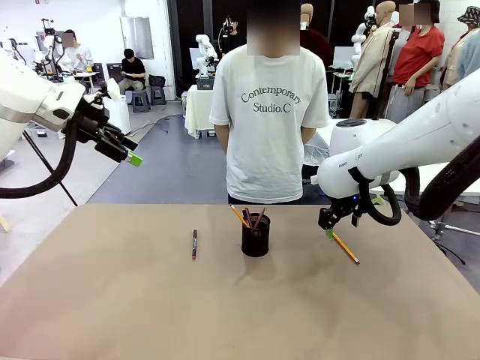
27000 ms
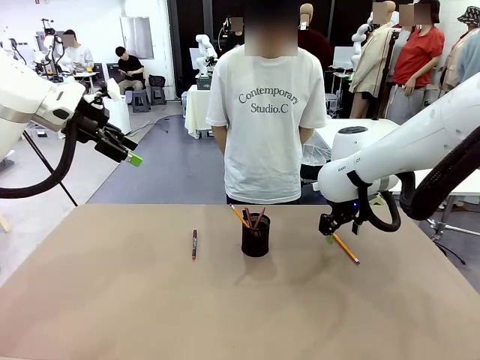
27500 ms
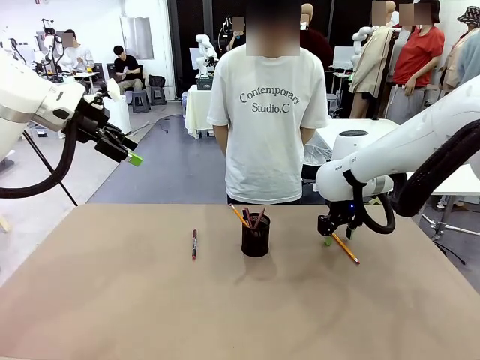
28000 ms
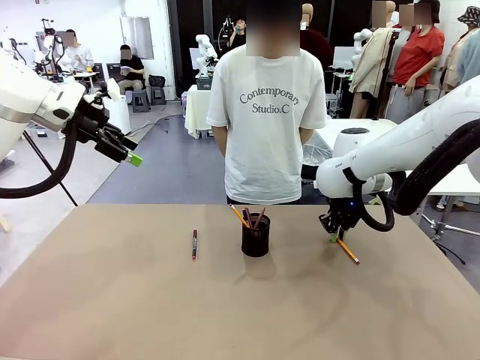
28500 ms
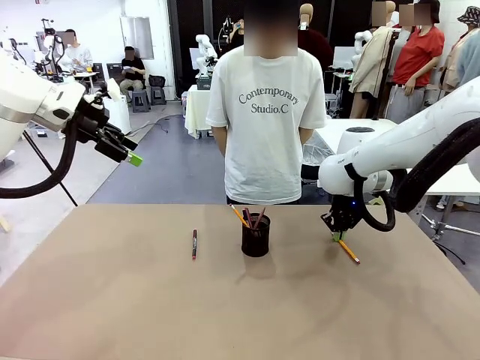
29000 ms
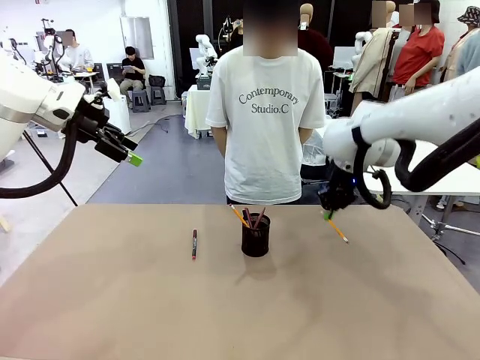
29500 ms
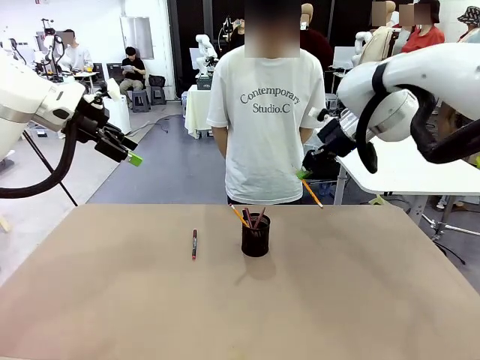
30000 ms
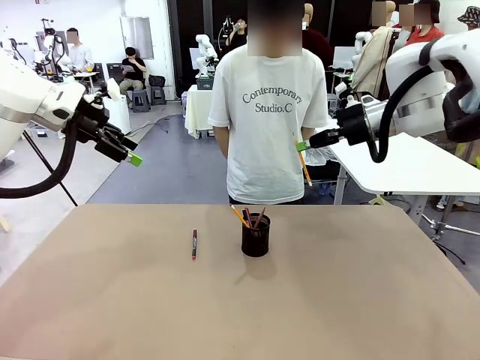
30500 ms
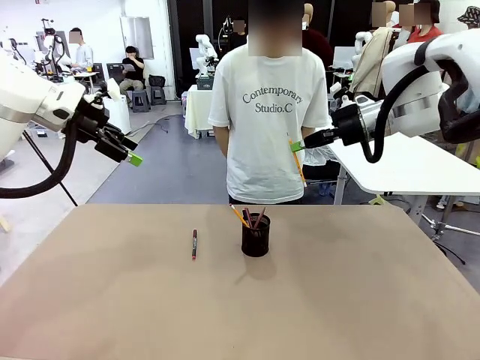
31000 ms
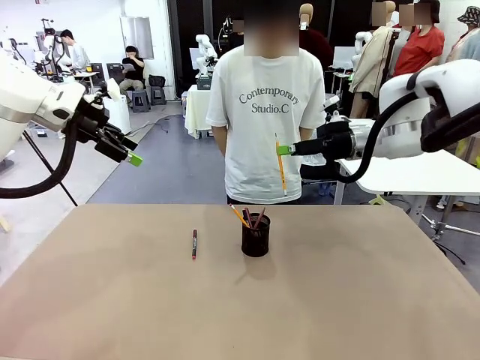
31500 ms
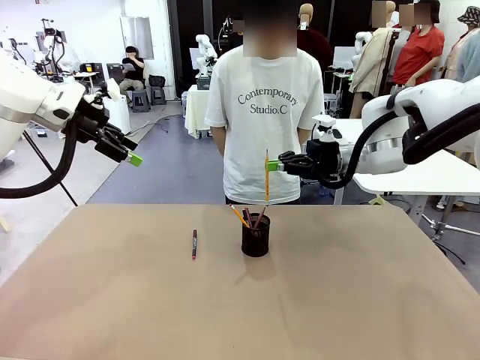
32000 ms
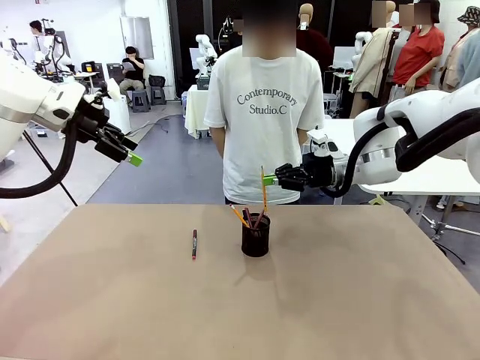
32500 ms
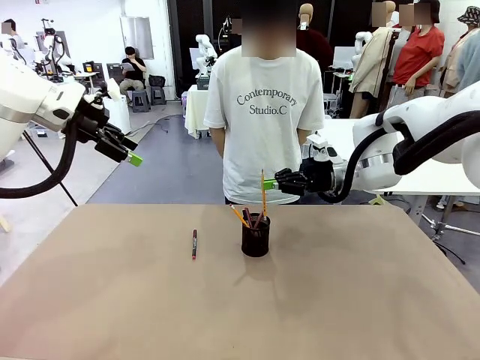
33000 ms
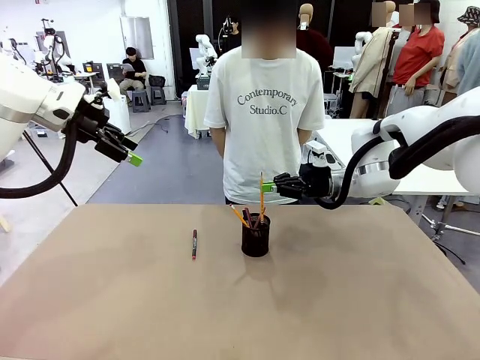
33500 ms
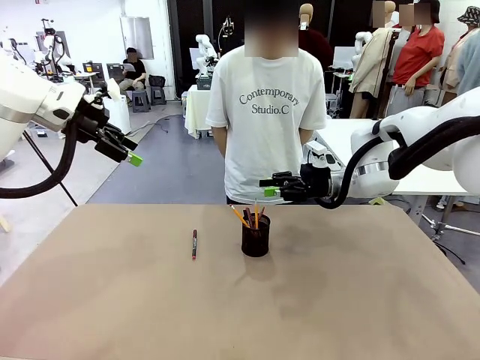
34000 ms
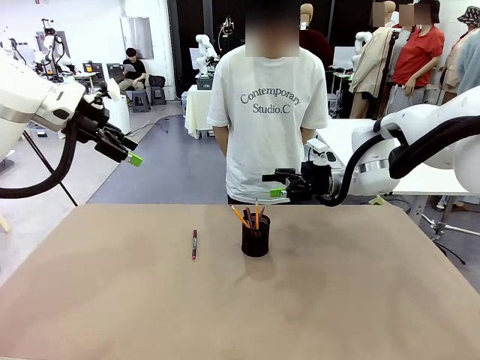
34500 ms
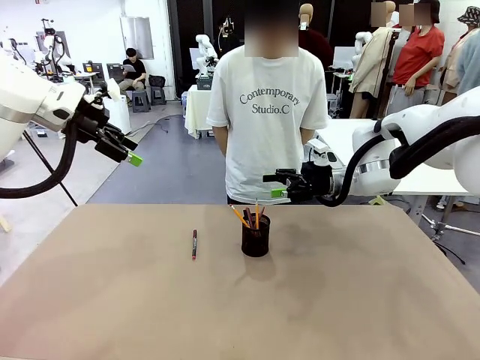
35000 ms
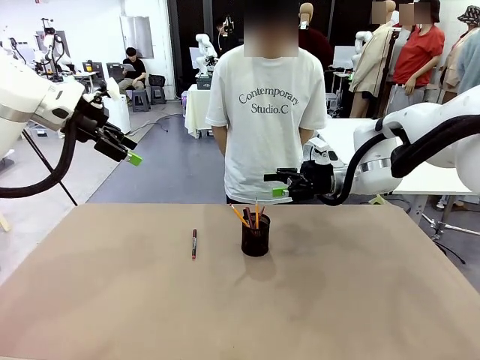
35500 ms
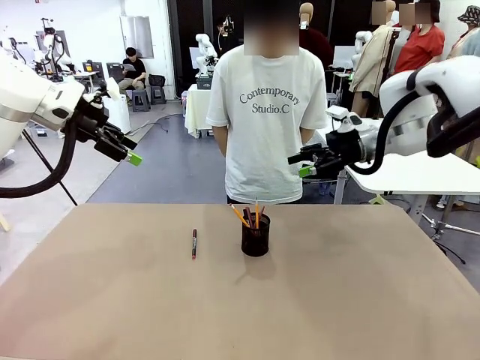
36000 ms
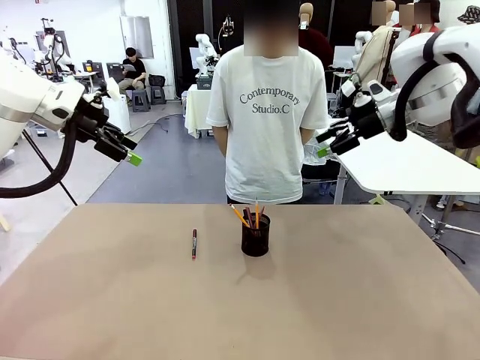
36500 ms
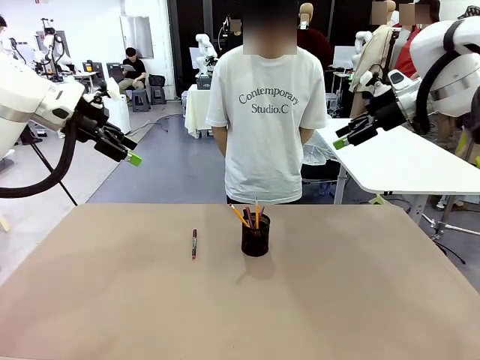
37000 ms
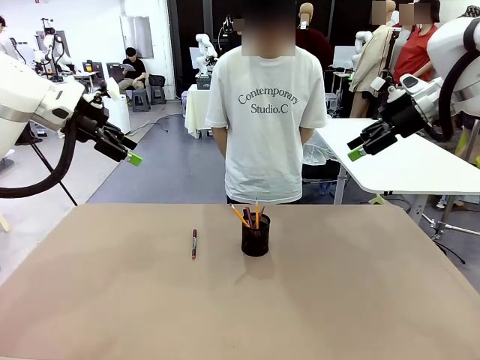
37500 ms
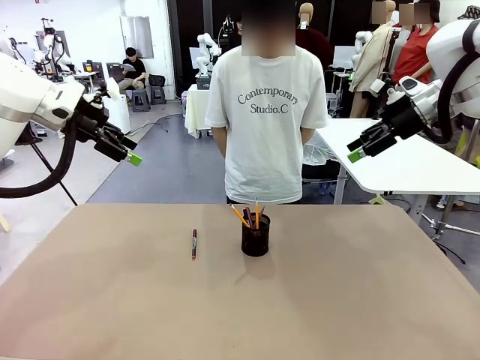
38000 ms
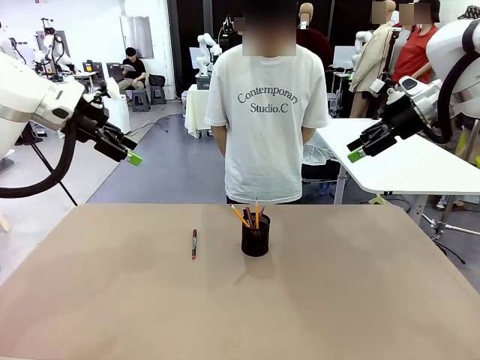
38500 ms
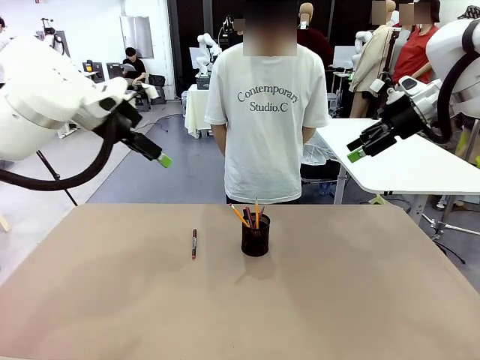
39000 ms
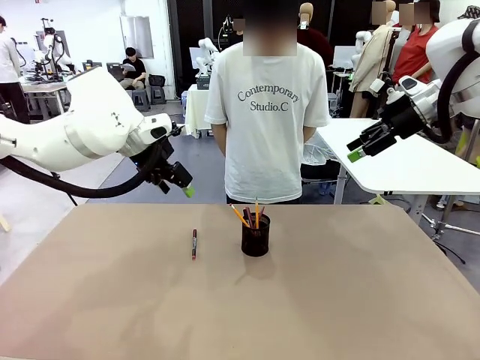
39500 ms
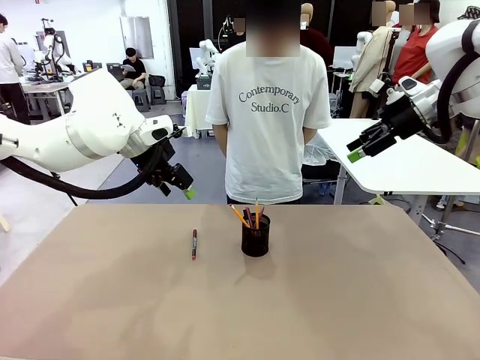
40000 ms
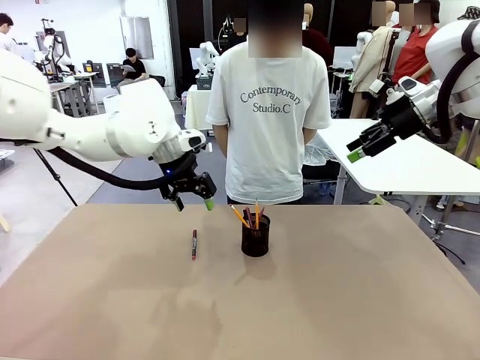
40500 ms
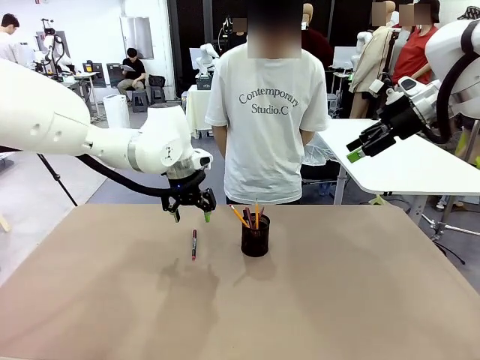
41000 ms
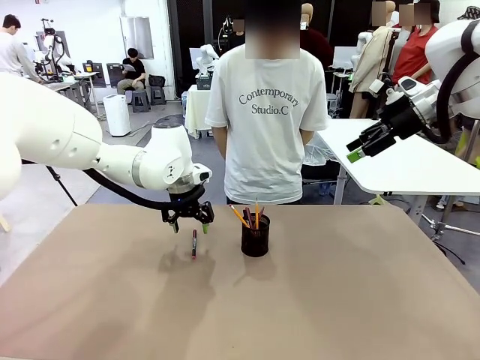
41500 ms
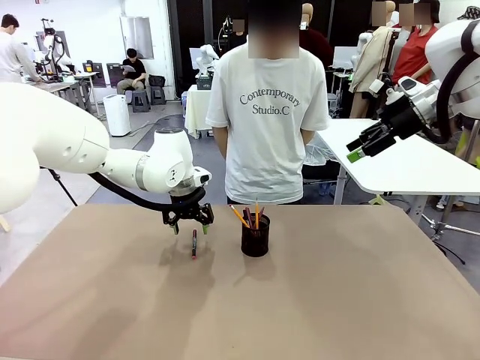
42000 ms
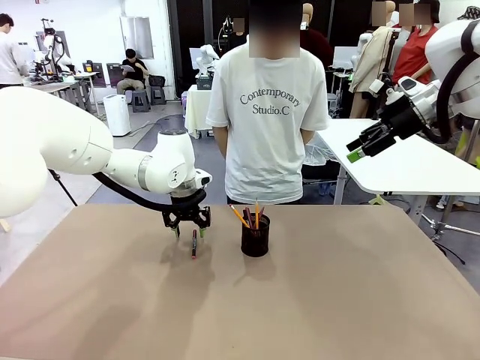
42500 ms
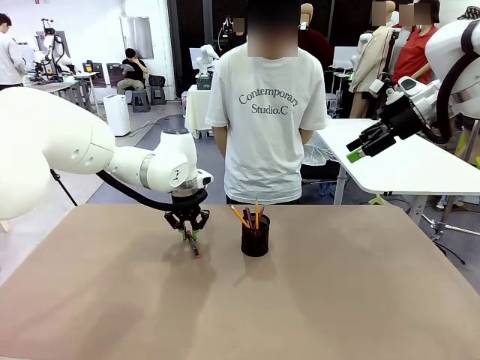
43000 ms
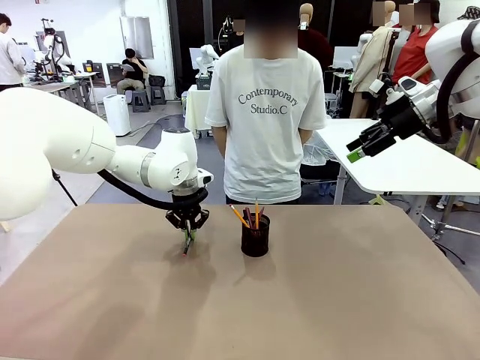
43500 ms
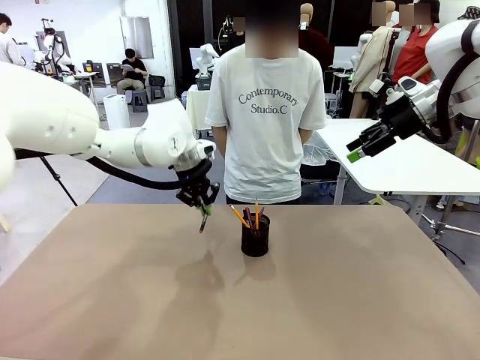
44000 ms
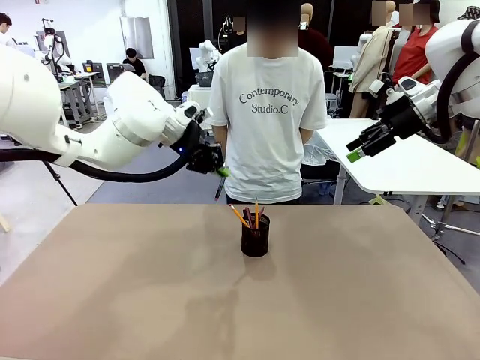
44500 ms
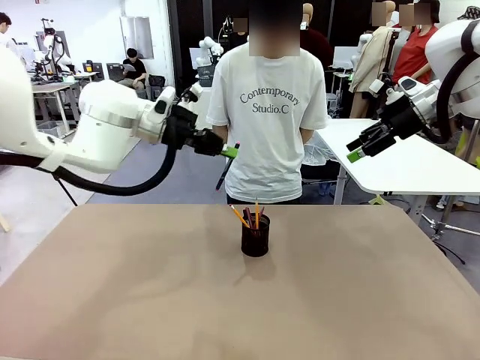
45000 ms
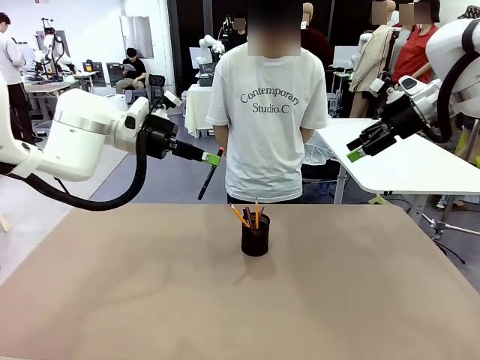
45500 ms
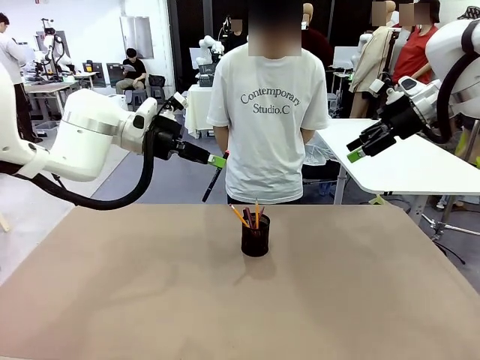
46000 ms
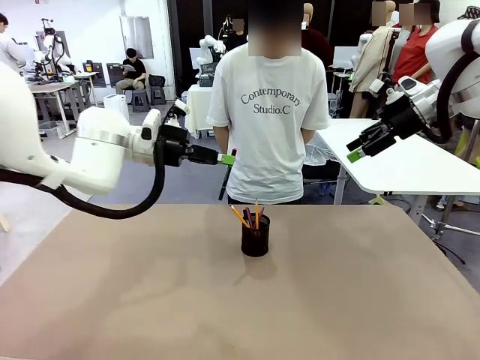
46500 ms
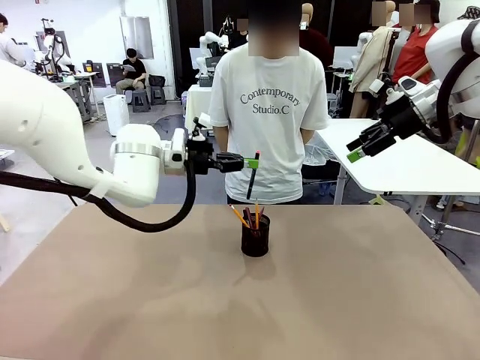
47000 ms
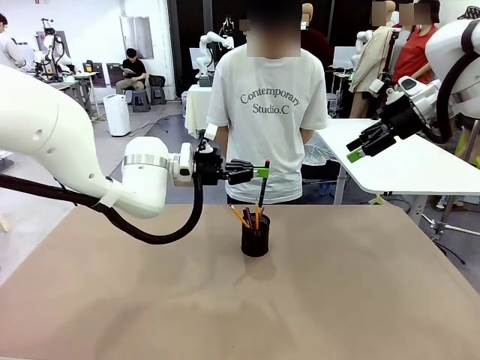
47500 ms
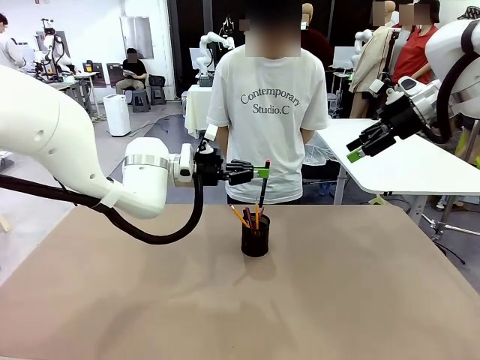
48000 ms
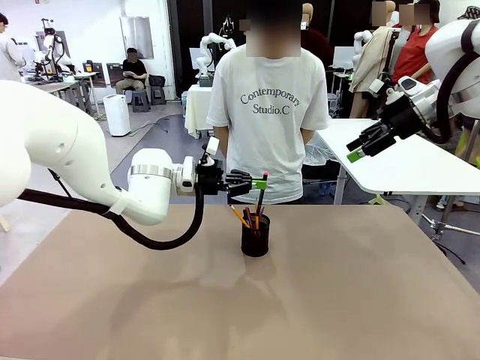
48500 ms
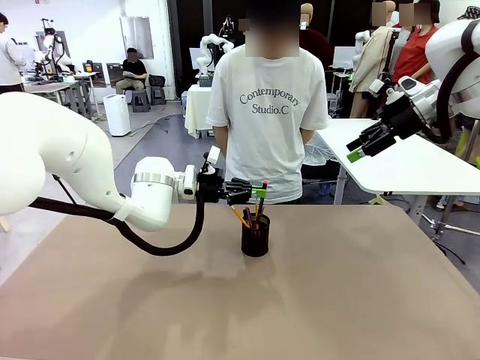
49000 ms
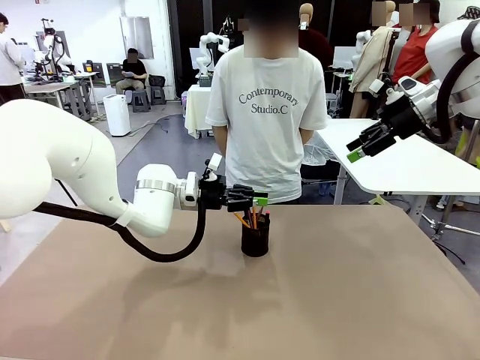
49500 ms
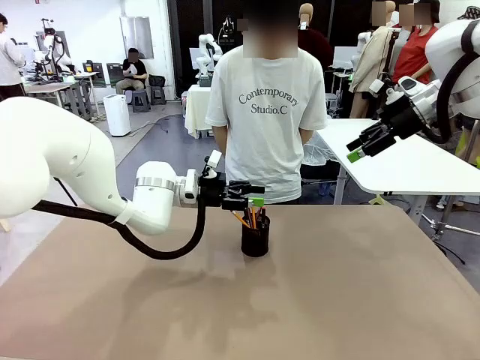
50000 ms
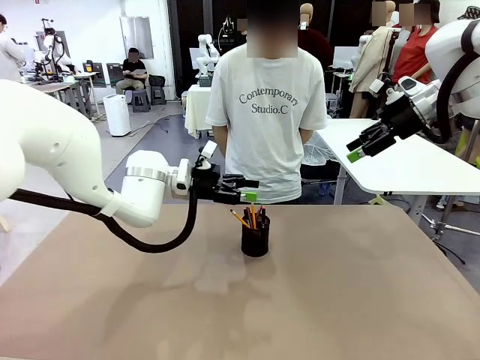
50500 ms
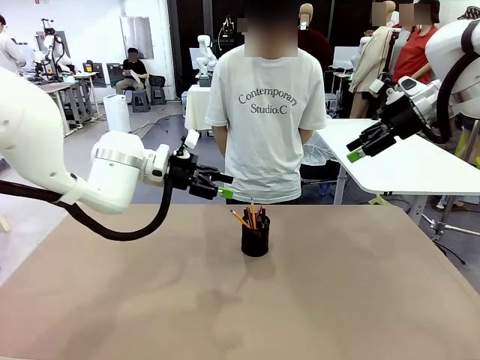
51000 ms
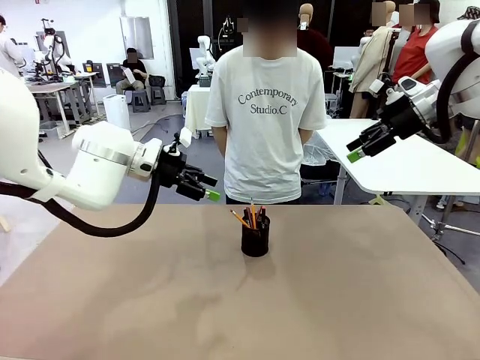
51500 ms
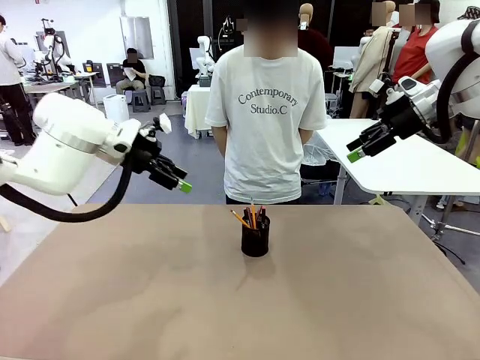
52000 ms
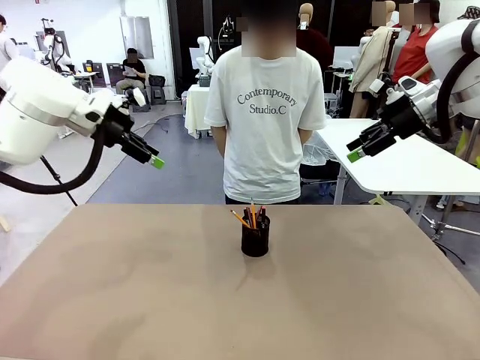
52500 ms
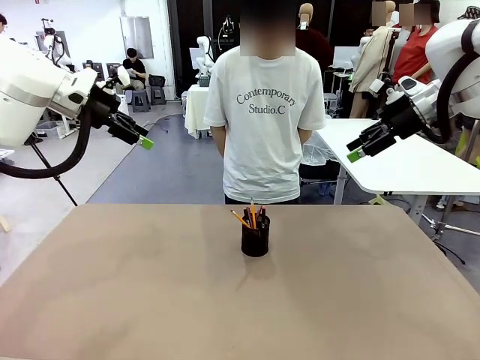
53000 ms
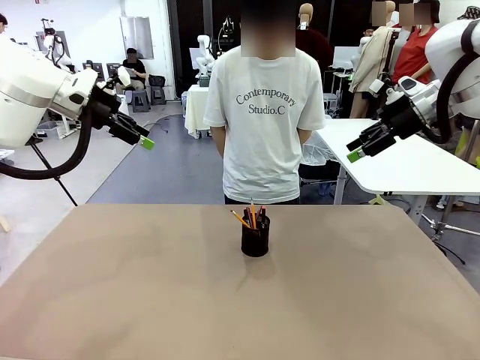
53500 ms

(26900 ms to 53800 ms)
Task: Place the pens into the pen holder.
Robot: Pick up a writing instrument from the table and place it into the Pen holder.
Person: Place all writing instrument into the Pen holder.
